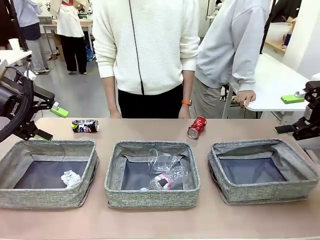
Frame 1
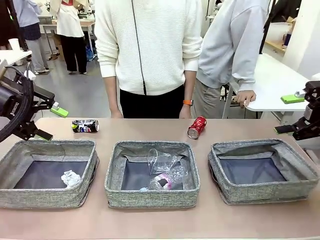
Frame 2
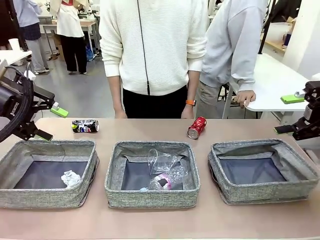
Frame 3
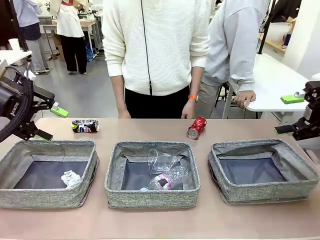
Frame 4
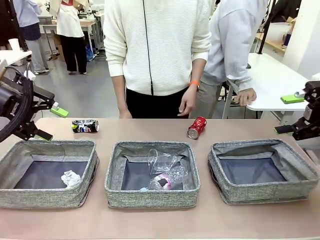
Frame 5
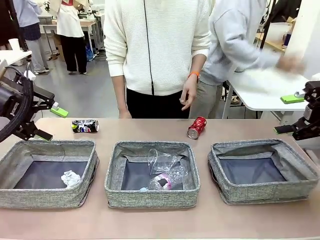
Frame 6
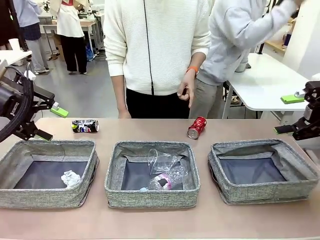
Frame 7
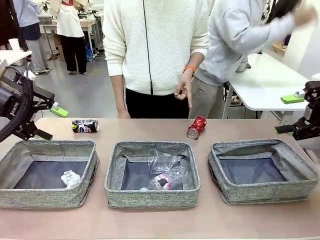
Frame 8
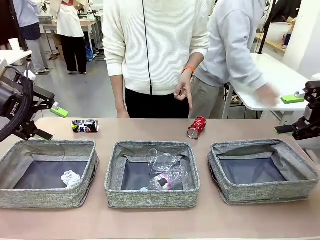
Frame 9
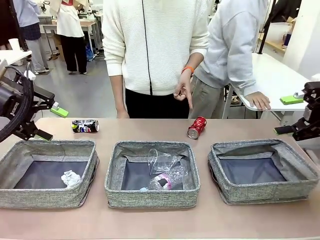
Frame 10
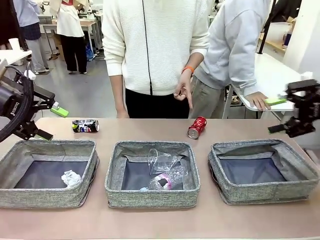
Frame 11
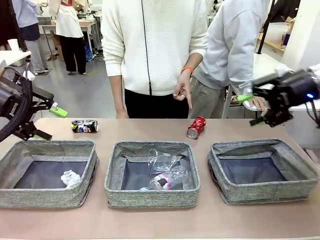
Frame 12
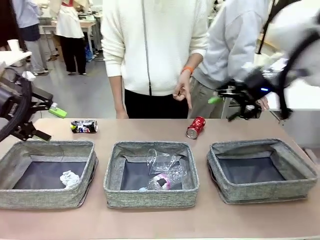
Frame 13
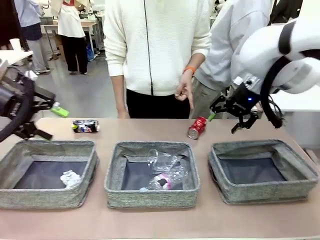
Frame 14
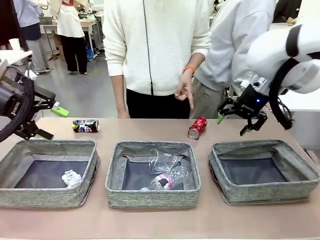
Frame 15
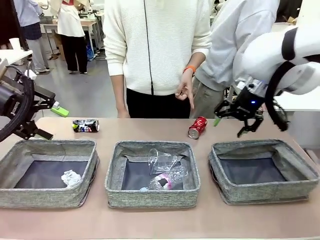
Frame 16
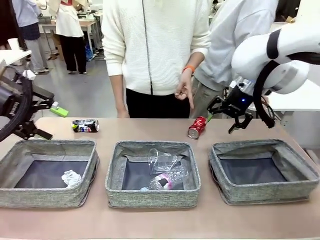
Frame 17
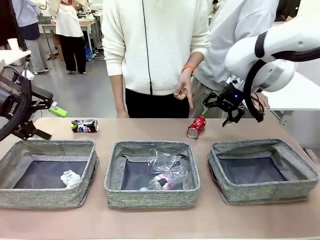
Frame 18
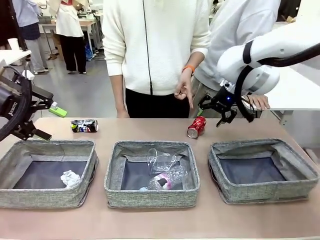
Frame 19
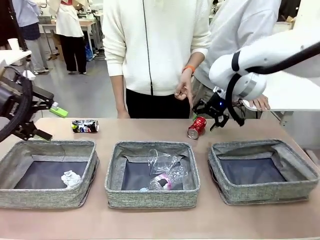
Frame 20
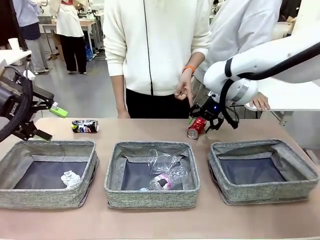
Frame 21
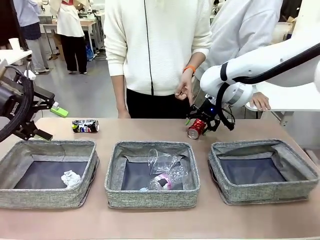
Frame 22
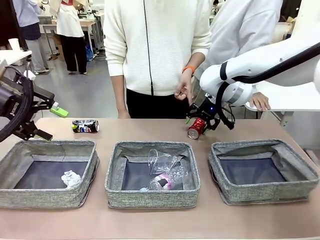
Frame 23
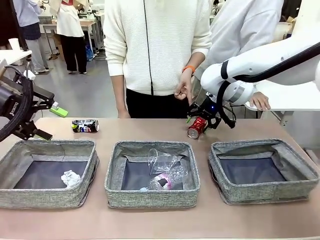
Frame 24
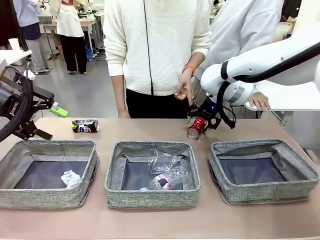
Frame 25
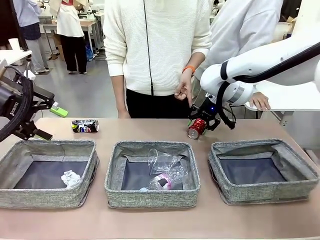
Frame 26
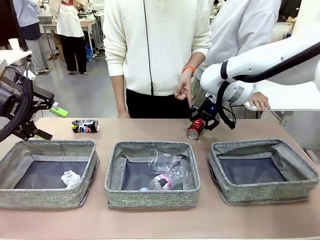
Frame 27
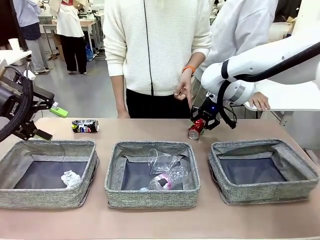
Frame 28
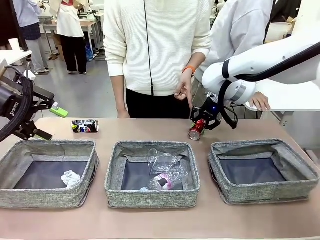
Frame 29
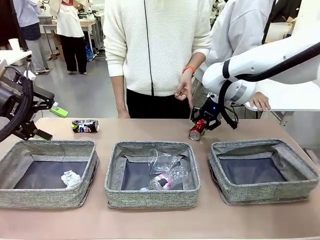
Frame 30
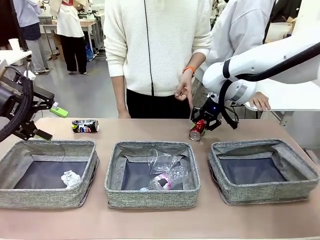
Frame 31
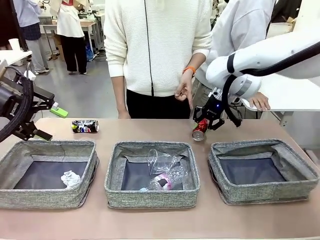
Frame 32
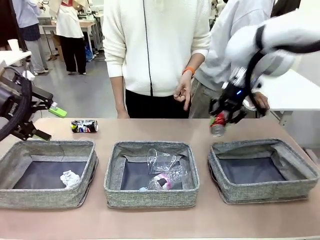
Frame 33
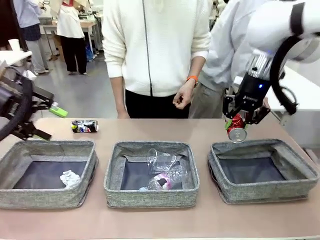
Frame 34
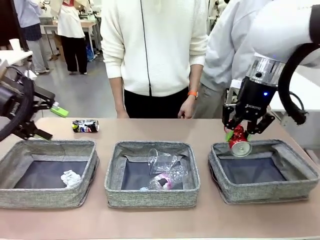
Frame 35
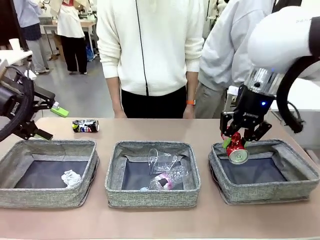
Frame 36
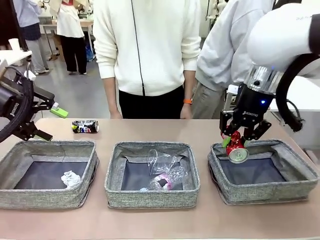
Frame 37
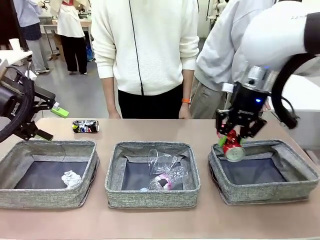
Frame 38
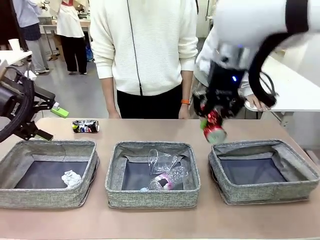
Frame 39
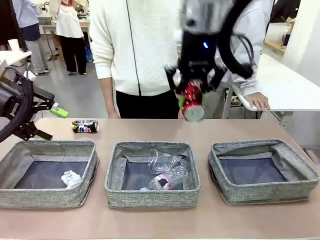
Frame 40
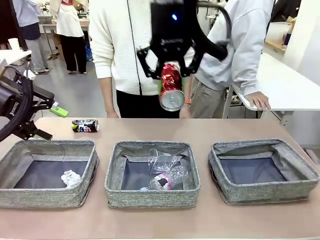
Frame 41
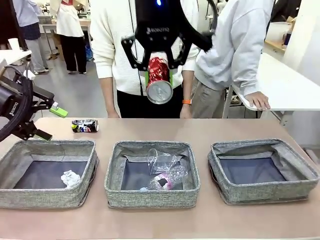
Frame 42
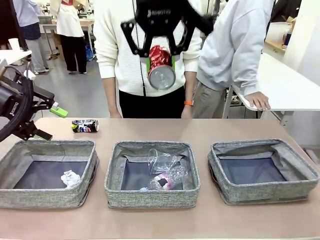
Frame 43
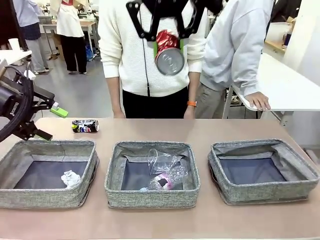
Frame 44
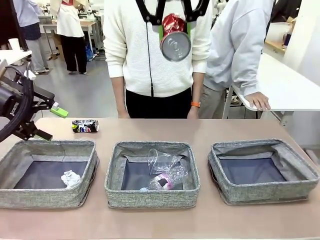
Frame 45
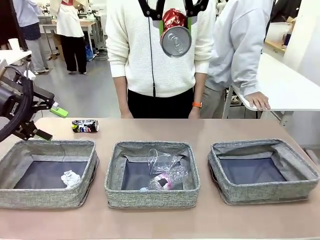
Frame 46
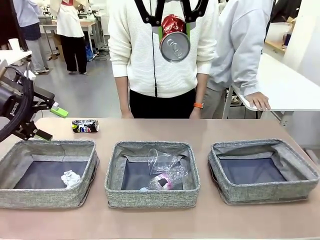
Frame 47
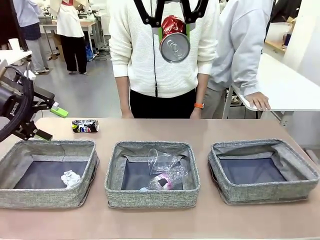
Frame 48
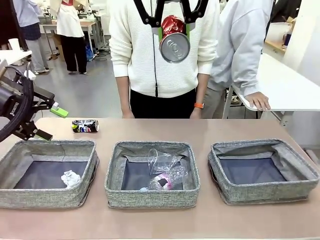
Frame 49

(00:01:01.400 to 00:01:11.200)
Task: Sort the waste into the appropriate baskets.
Robot: Pick up the waste item pointed out by the person.
Person: Points to one piece of trash on the table.

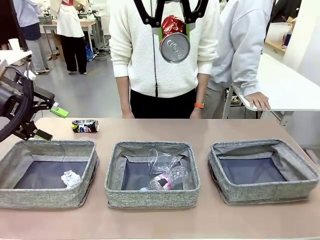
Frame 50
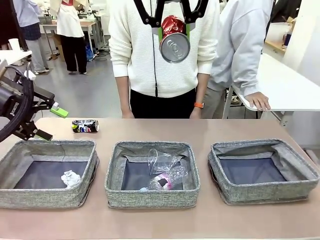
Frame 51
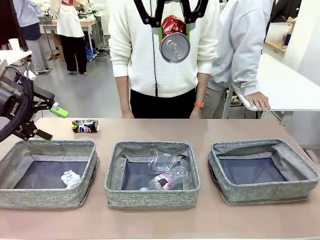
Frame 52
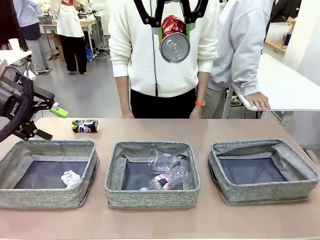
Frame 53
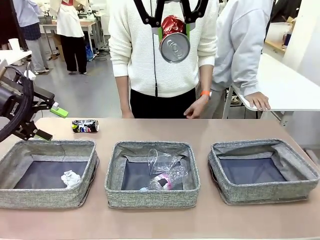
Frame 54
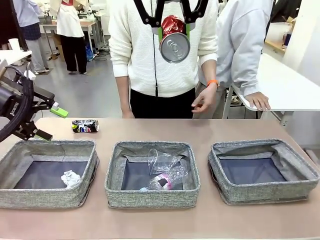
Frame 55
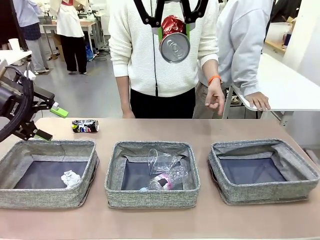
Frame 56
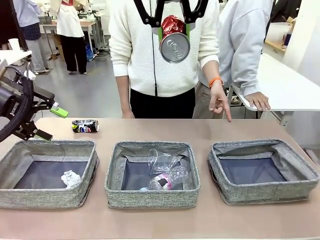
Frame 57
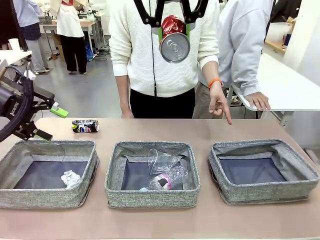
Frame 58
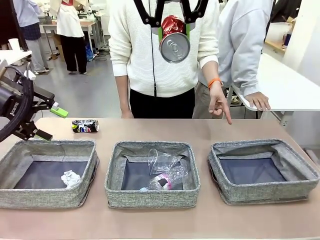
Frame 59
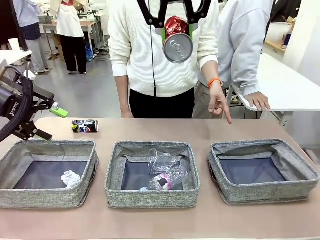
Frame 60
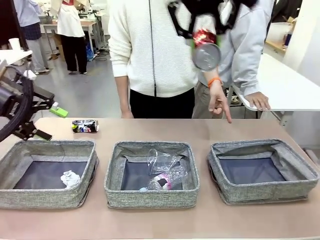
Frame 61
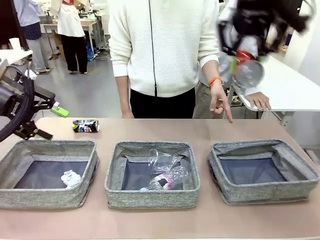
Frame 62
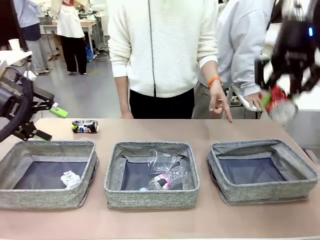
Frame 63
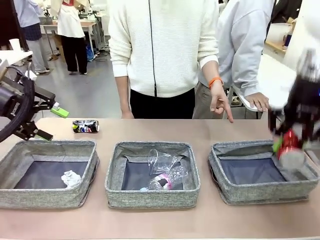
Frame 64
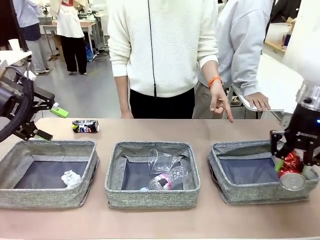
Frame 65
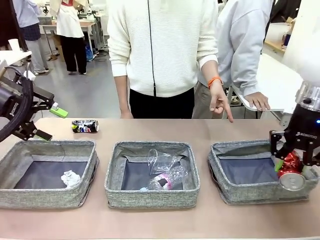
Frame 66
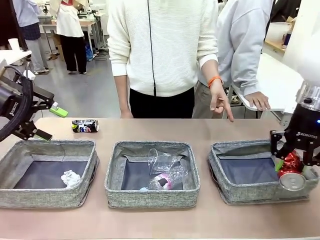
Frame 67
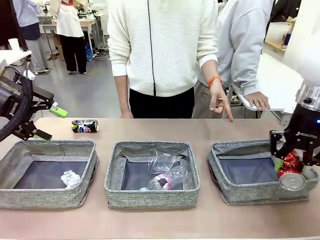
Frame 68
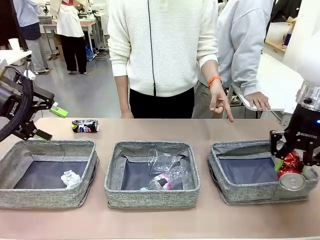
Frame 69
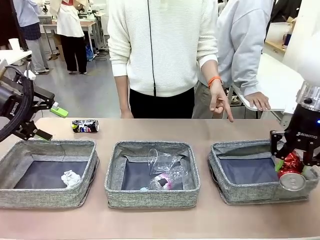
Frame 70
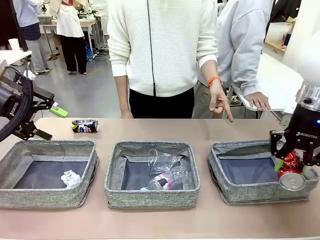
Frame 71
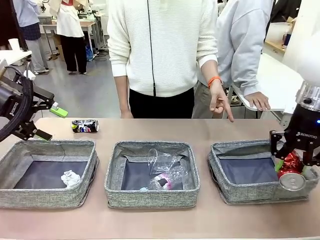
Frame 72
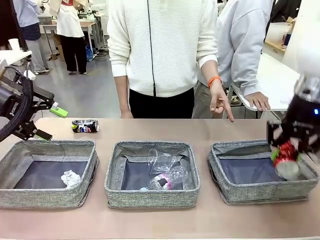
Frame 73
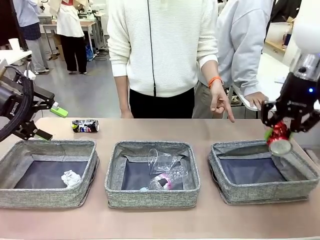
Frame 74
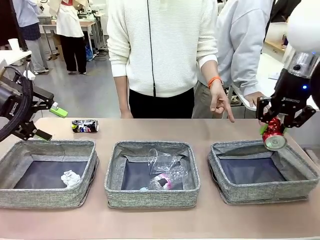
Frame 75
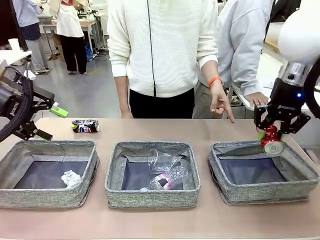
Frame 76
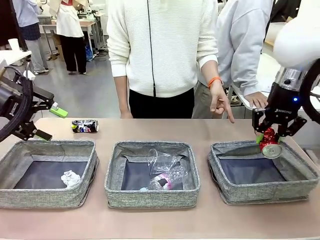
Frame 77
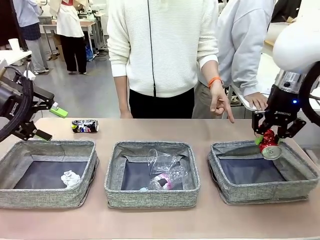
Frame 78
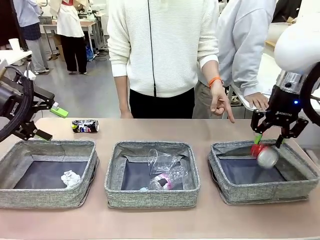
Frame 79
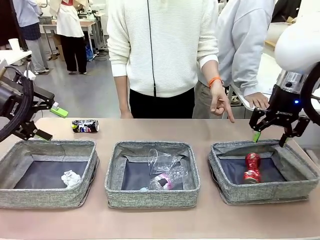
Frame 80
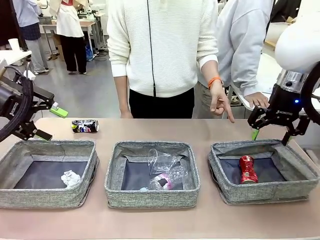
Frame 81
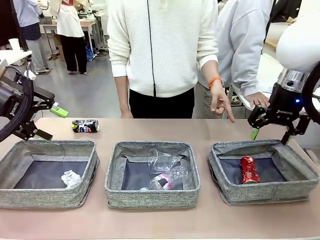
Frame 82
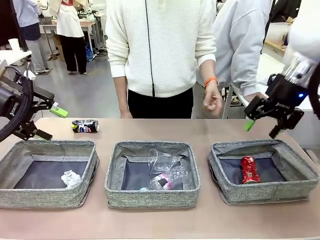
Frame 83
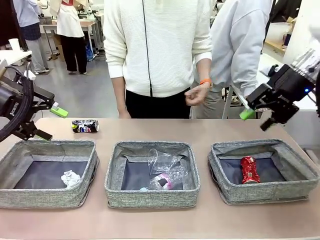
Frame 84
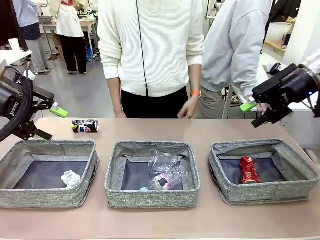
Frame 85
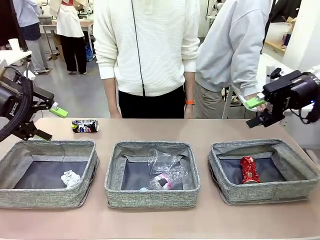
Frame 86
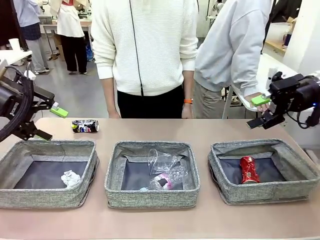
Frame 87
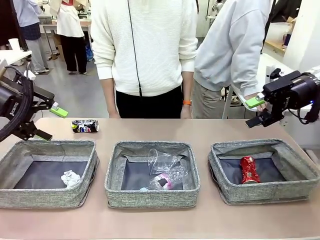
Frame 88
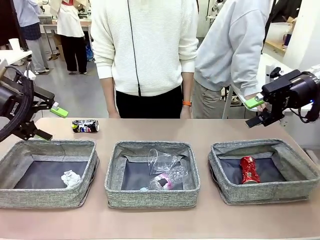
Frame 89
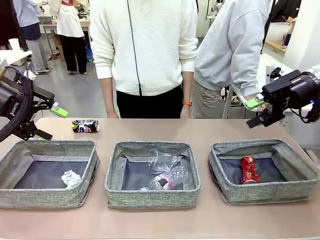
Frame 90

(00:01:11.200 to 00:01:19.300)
Robot: Place the picked waste into the Fabric basket indicated by the person.
Person: Instructs the robot to place the picked-up trash into the appropriate organizing basket.
